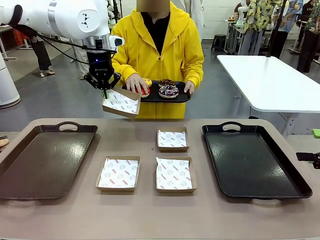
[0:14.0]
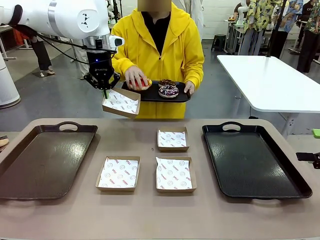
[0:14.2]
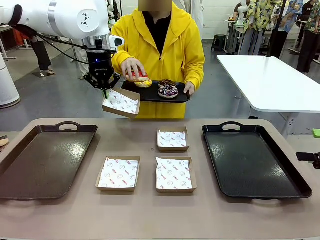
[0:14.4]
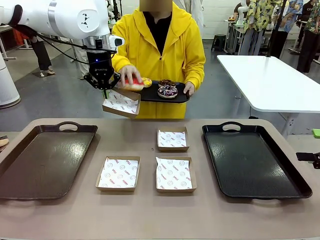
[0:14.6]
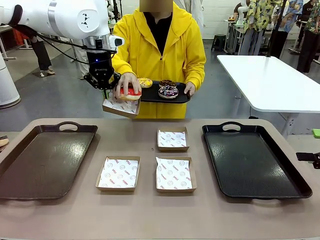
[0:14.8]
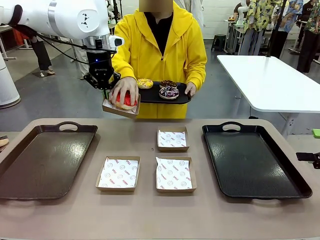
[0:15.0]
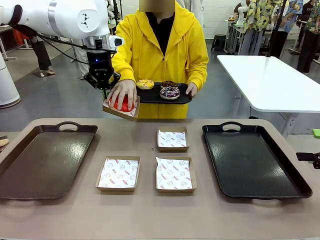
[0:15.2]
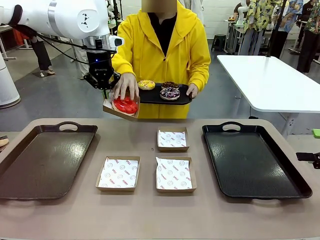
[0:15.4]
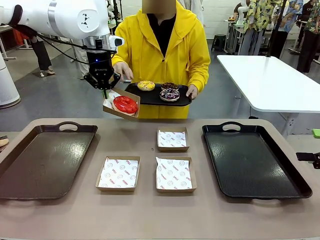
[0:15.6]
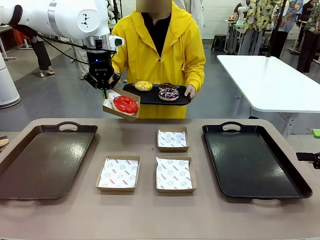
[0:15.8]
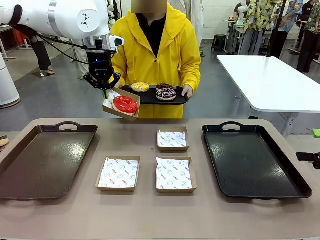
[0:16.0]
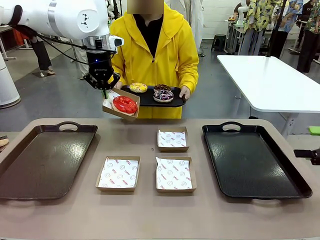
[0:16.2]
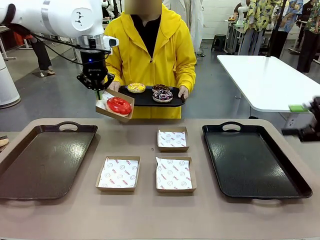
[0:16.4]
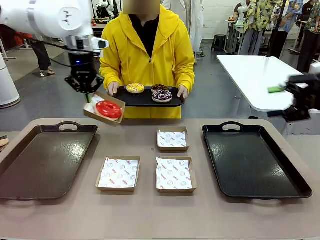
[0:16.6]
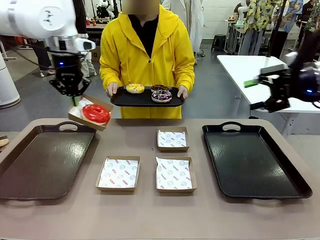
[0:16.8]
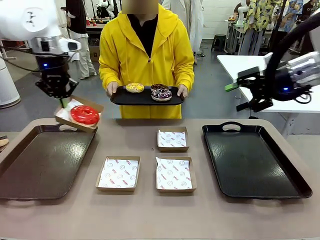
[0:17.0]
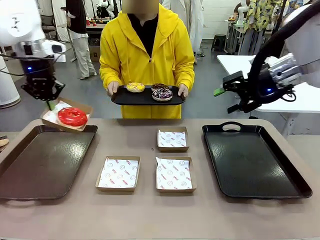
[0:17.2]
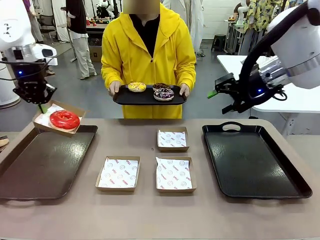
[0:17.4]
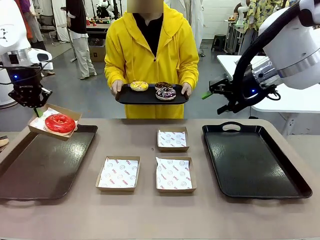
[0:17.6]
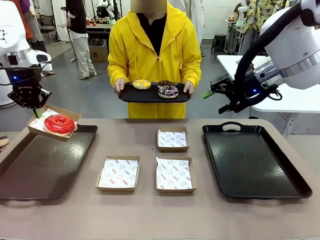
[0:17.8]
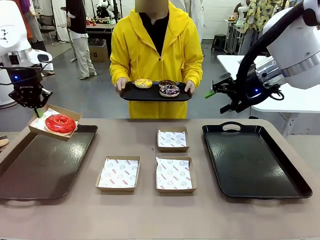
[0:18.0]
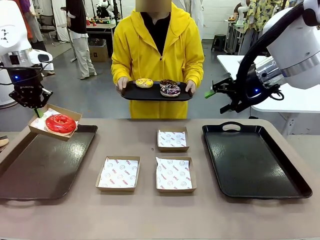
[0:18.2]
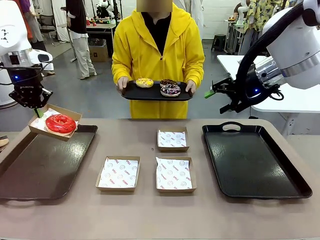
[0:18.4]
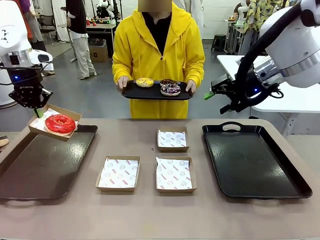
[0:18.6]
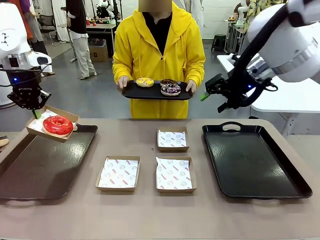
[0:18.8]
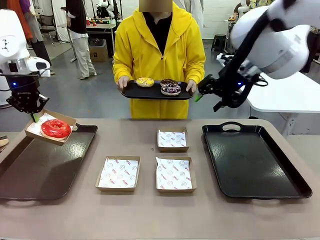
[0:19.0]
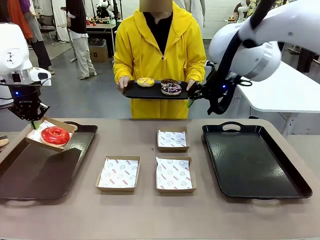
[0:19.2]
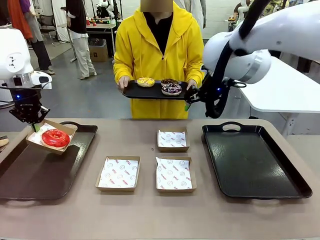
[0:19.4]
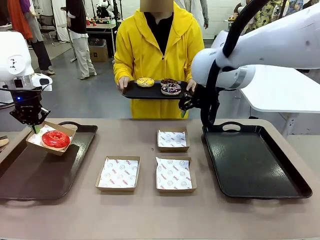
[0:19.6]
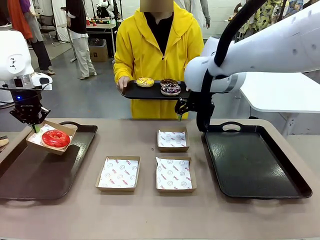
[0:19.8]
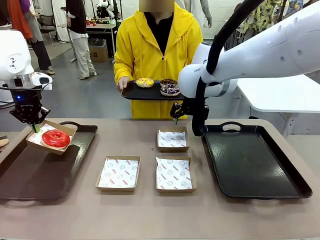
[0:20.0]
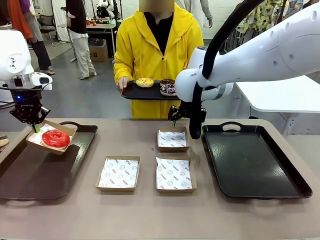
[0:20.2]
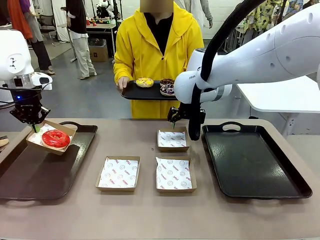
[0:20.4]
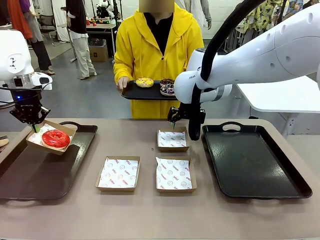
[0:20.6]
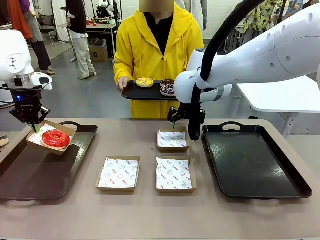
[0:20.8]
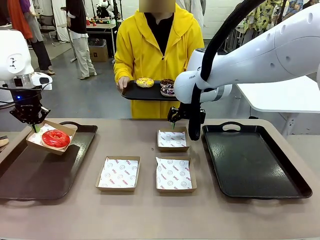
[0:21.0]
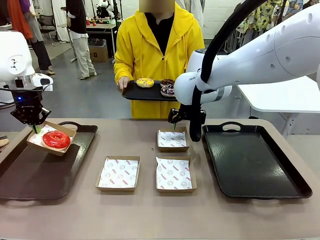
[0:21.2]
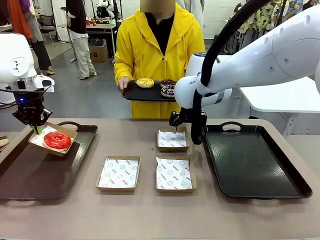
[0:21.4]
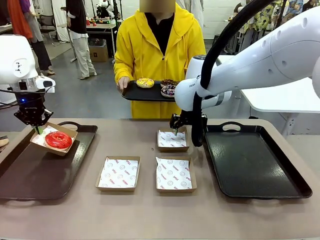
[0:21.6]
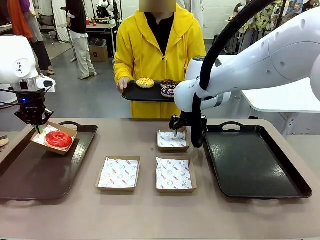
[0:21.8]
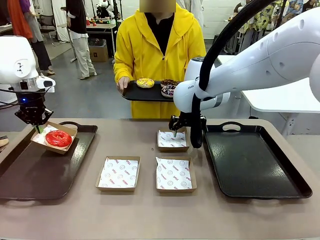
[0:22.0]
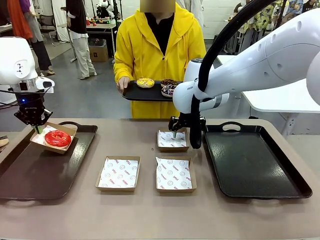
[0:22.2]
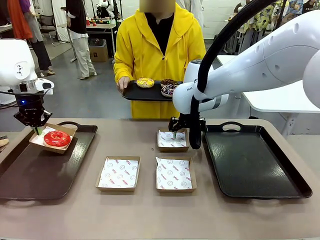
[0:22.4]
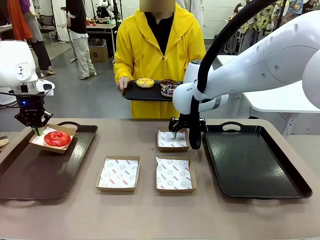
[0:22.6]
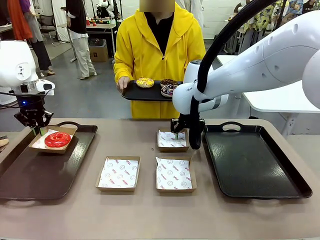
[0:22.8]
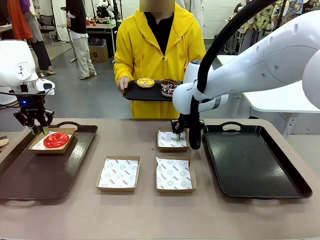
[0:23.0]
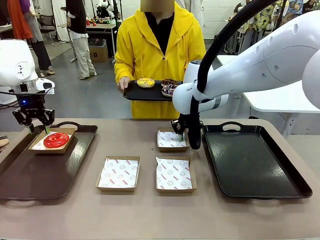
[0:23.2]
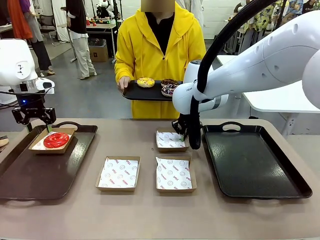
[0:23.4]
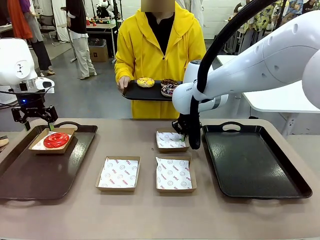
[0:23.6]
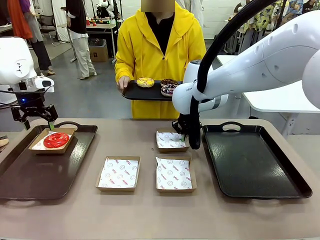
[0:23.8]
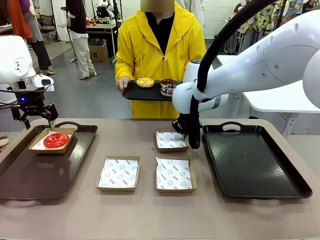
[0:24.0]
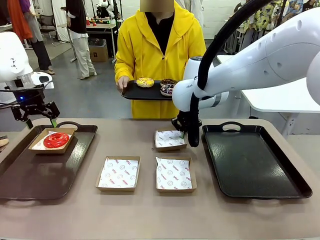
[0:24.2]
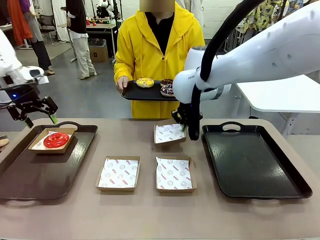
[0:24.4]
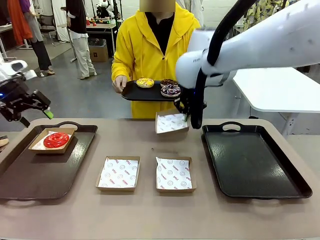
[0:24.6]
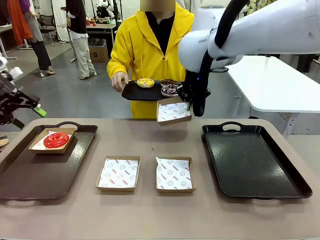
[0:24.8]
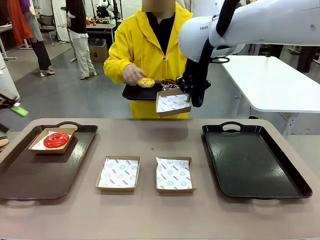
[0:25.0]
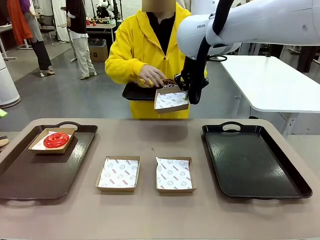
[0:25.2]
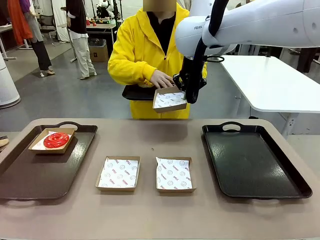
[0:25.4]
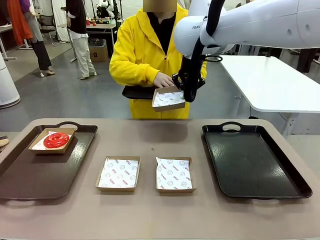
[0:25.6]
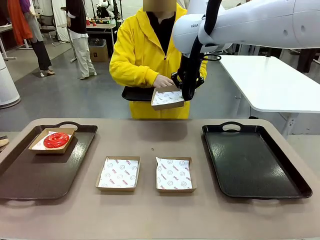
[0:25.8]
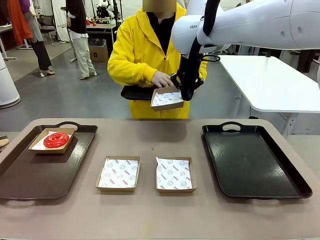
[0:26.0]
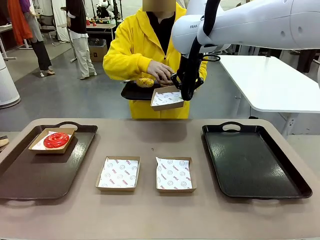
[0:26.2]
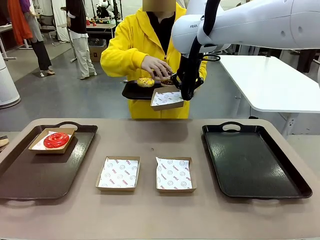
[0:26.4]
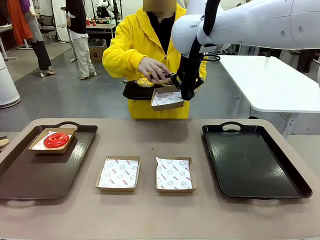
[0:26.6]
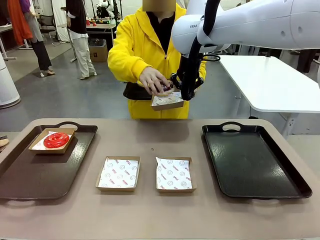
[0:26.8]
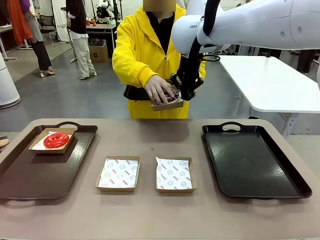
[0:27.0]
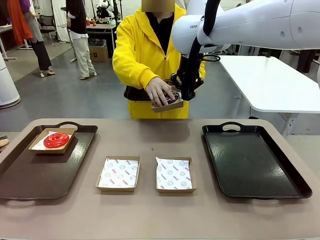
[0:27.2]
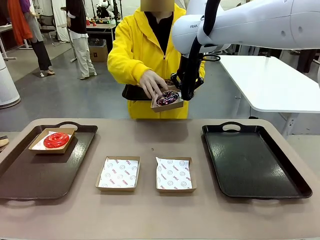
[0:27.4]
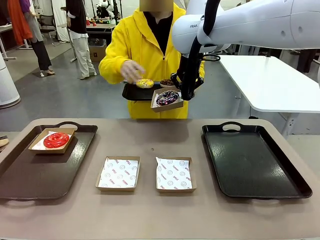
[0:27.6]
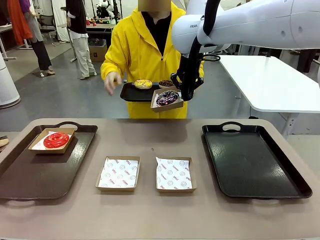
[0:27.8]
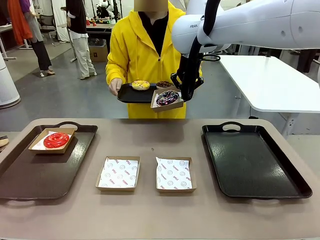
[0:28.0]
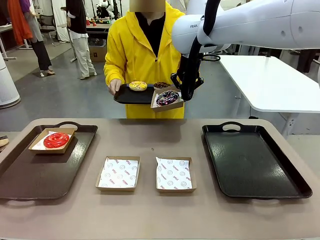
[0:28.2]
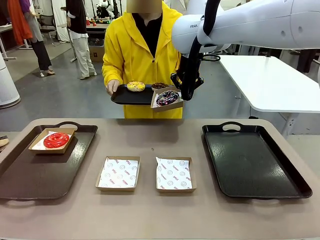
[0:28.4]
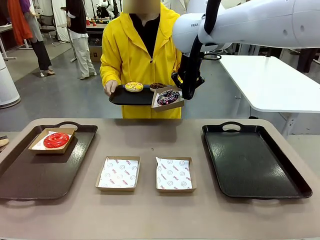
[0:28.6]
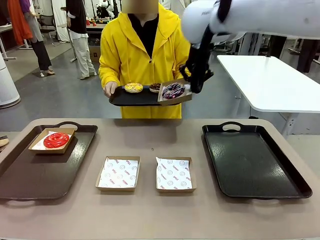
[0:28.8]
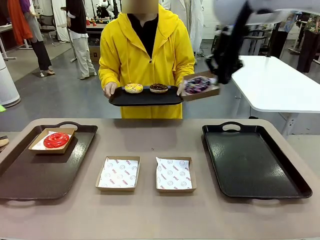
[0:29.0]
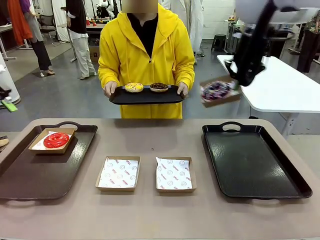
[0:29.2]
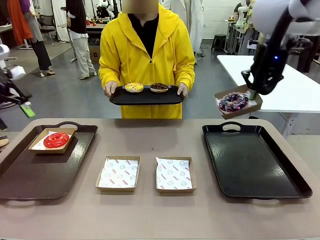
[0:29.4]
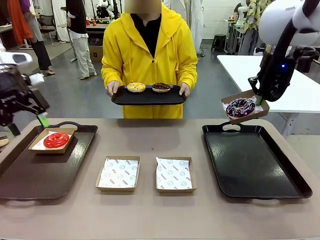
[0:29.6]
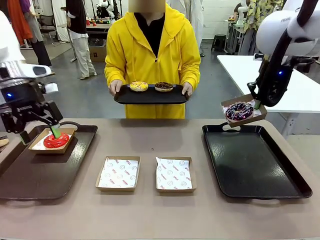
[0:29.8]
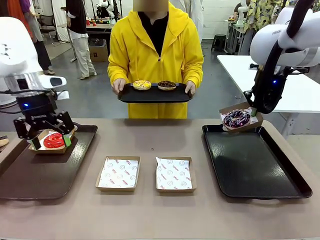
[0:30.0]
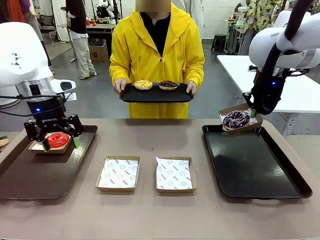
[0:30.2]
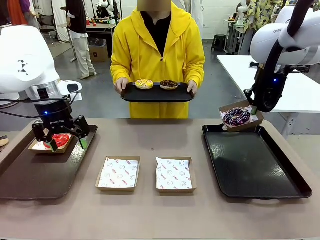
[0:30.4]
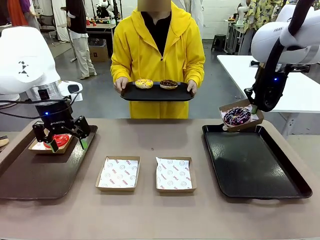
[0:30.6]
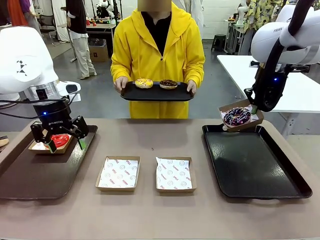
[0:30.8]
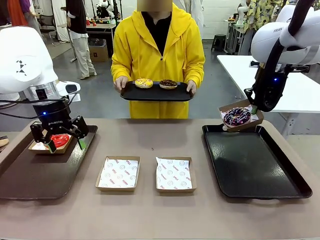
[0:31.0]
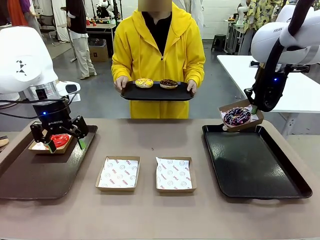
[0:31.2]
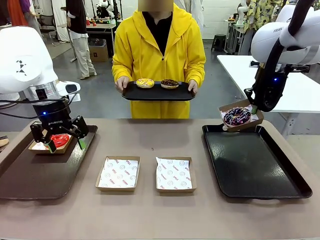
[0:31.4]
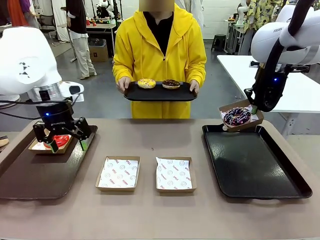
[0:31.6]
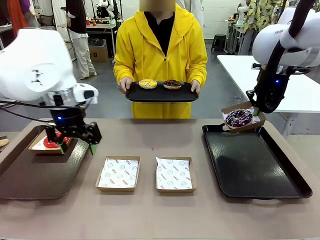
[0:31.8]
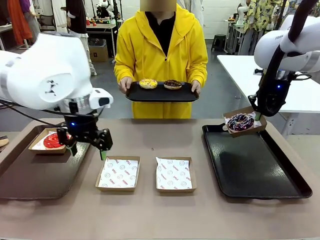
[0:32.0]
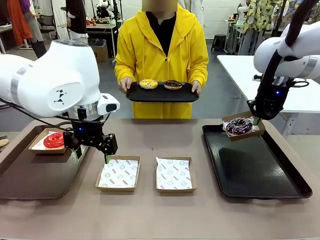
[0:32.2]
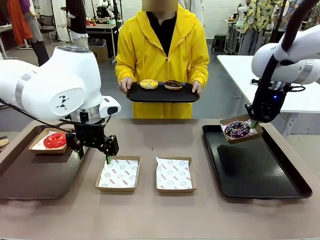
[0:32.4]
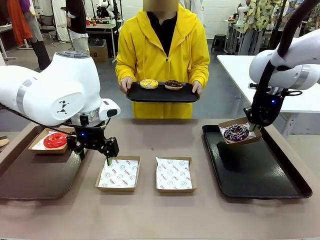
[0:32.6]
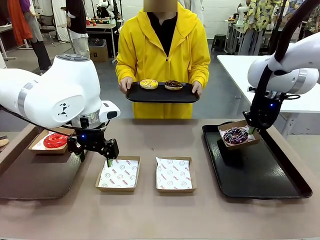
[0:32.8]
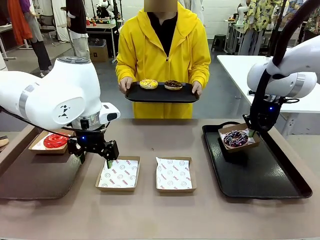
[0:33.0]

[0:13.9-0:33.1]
Task: Individually package the donuts and arrange them on the tray.
Robot: Place the picked Paper togo box on the Handle tray while simultaneously picking up another Paper togo box from the table with the other hand.
